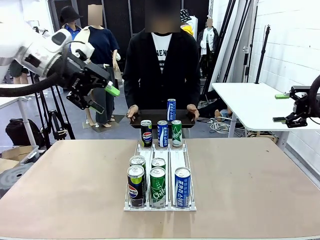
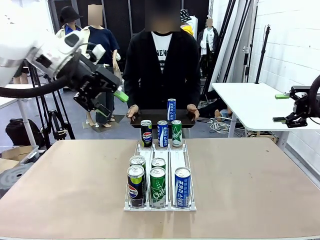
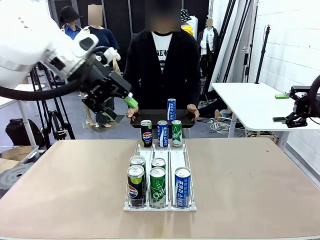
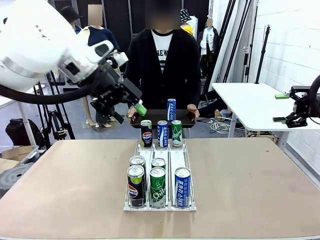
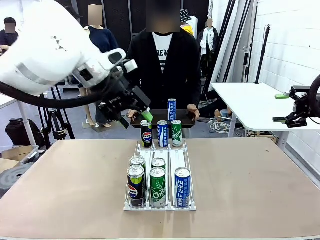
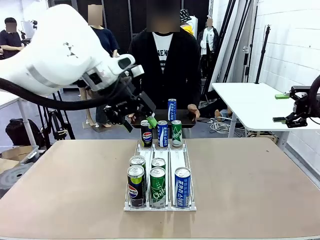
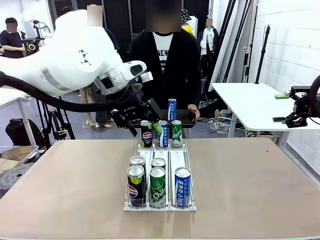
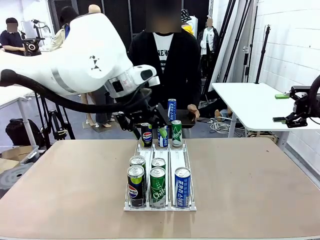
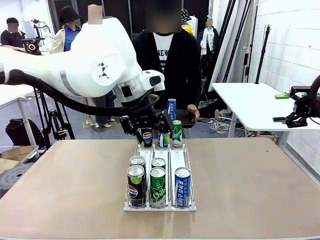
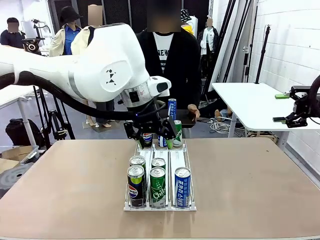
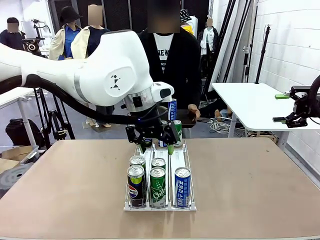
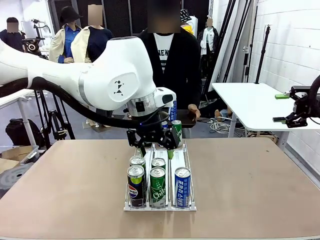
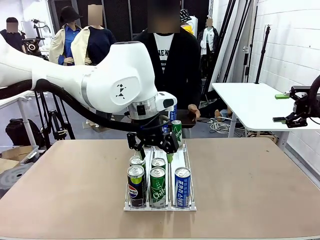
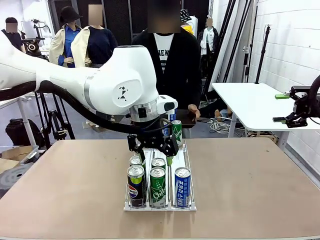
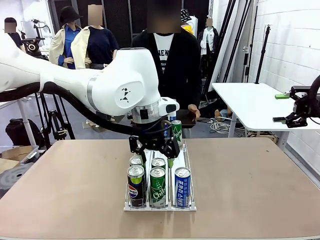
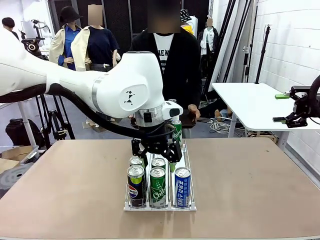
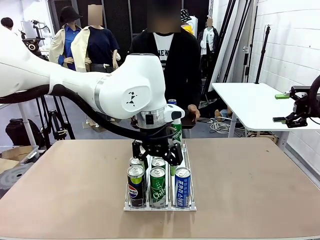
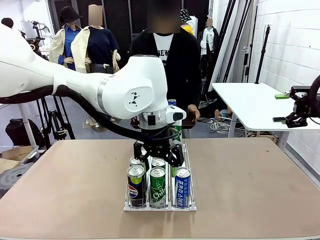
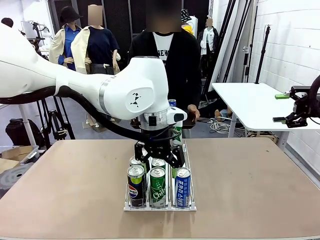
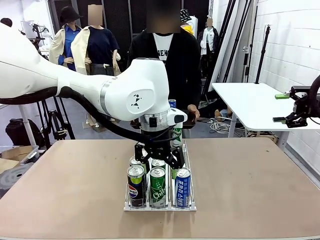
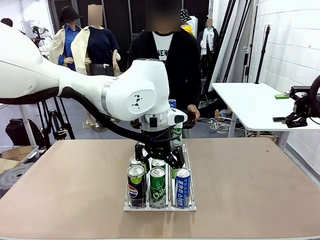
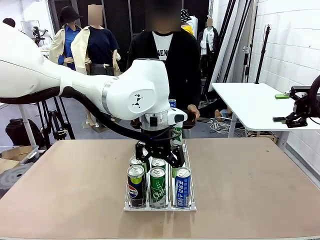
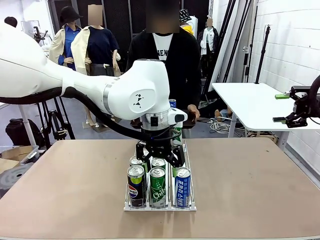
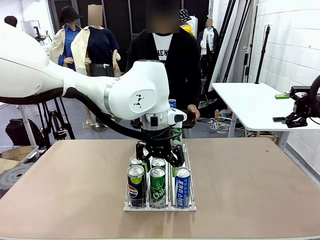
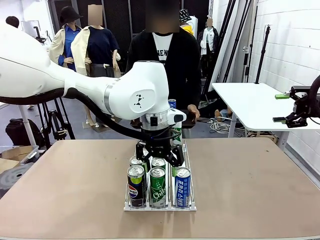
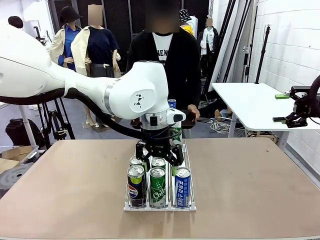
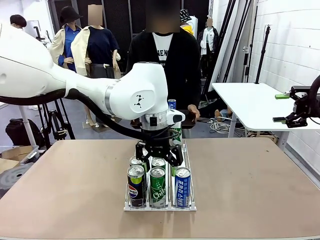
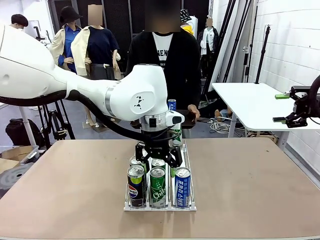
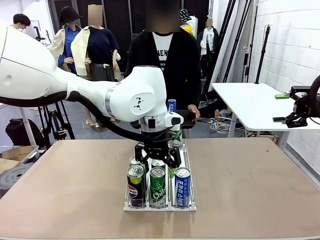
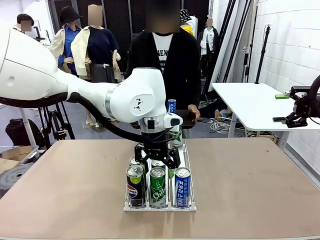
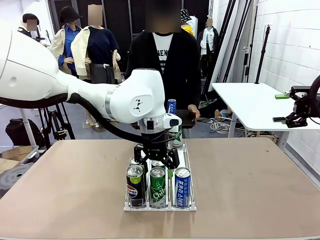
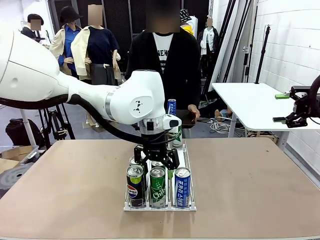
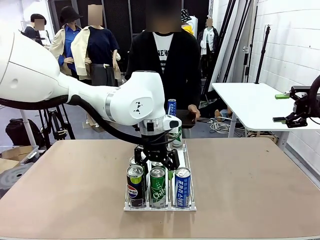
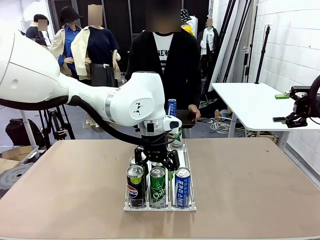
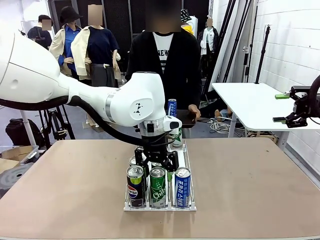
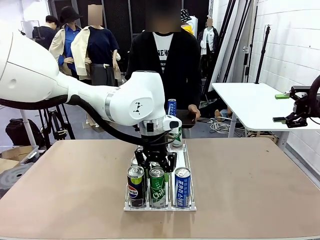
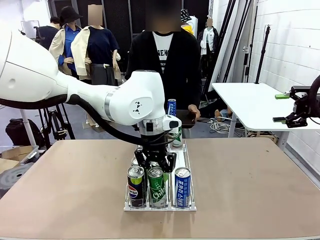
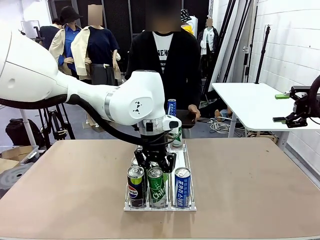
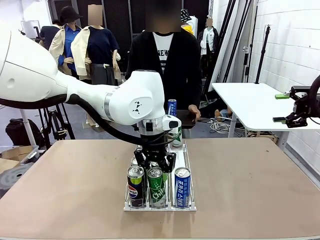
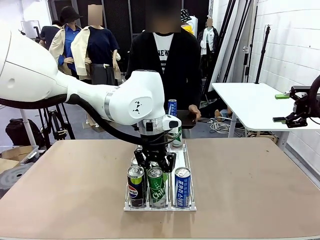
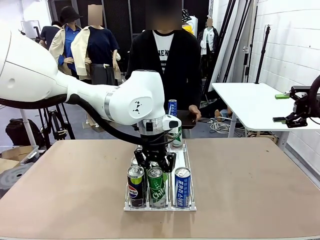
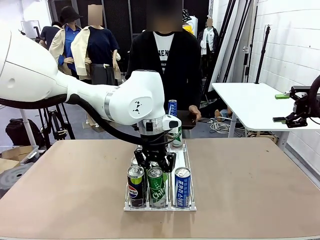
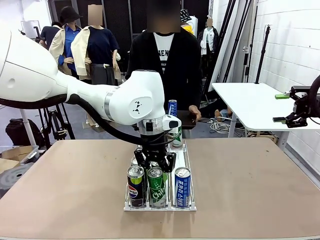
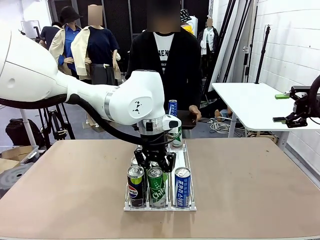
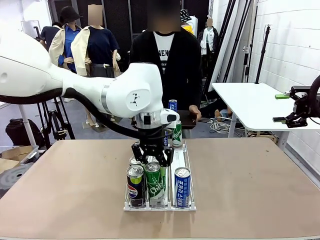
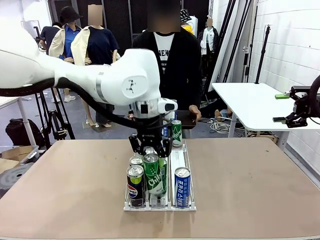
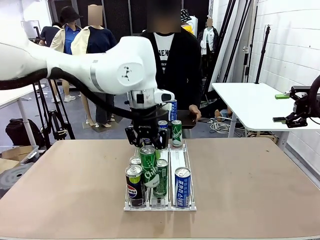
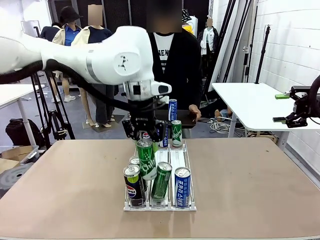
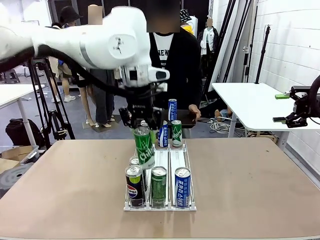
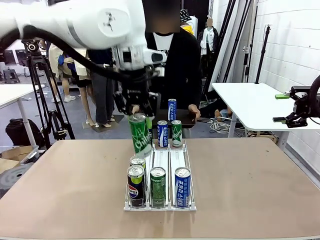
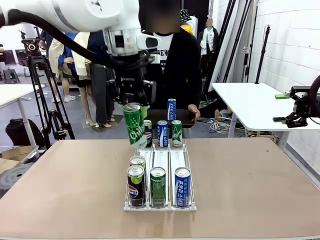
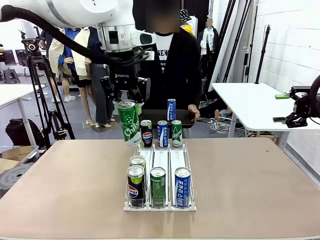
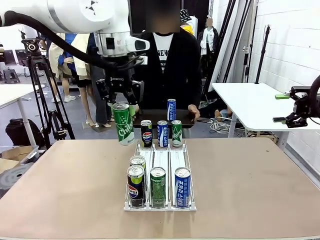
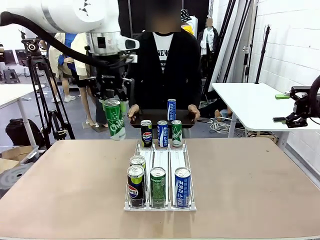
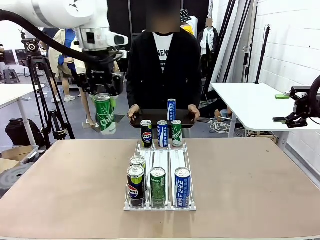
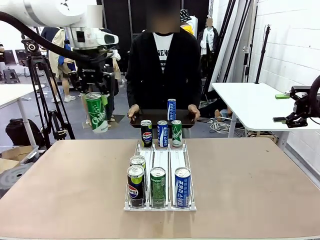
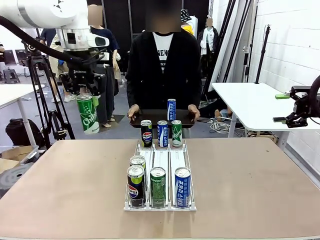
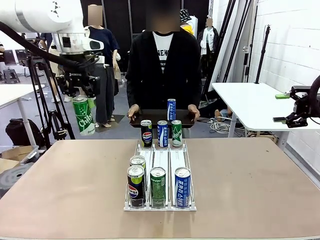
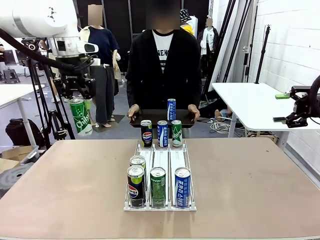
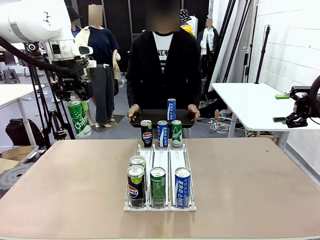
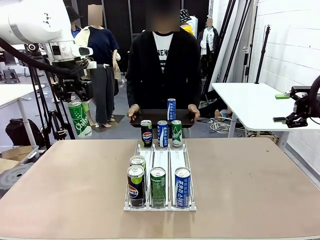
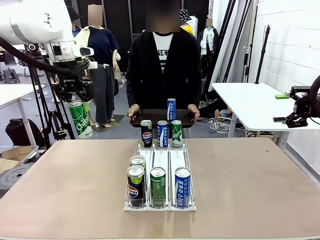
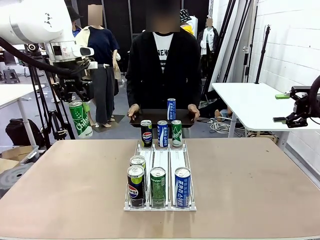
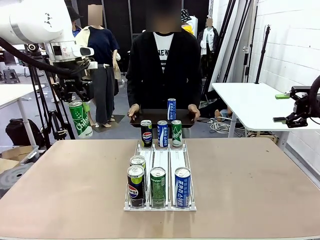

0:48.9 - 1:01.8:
Task: Retrieve and hand over the desired beverage to the person.
Robot: Pick up another can of the same type that the person held from the Automatic Can Dispenser.
Person: Push the tray toward the robot again.

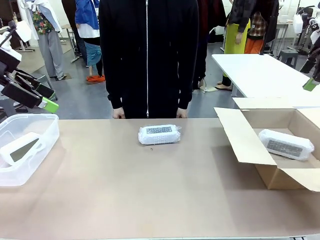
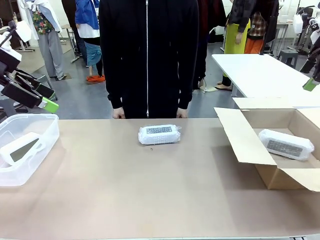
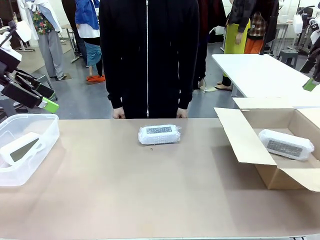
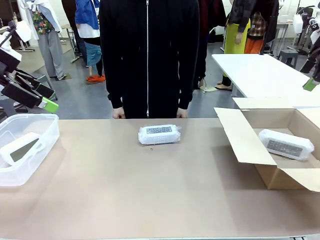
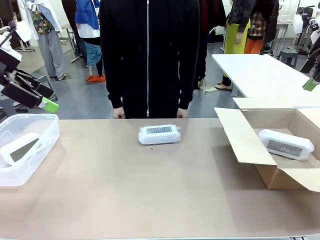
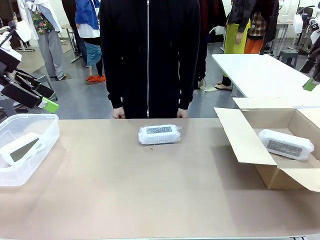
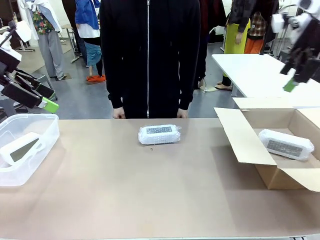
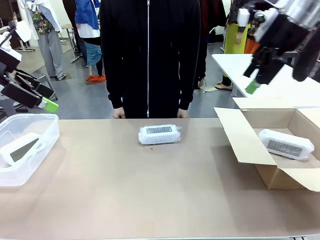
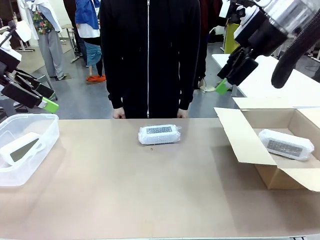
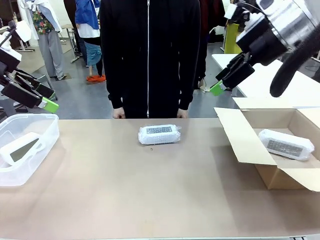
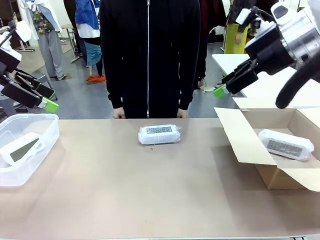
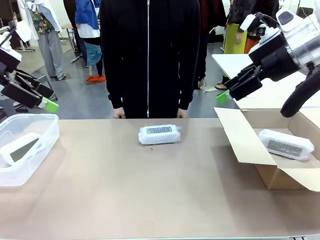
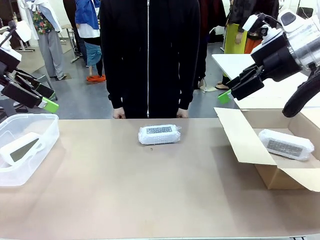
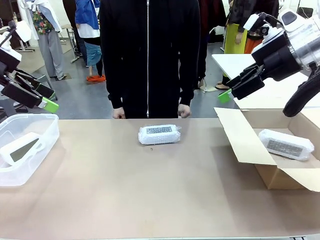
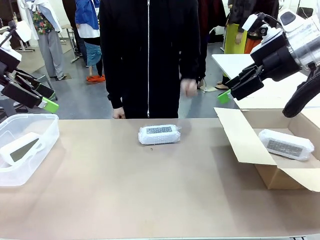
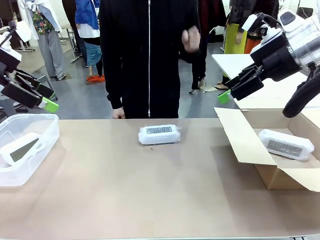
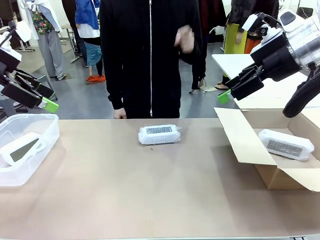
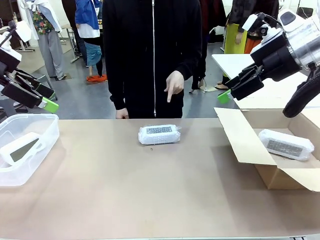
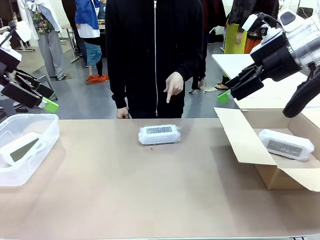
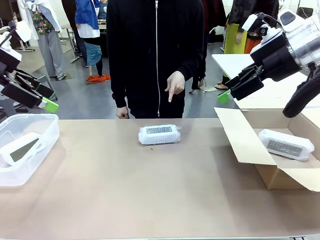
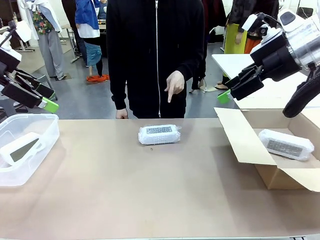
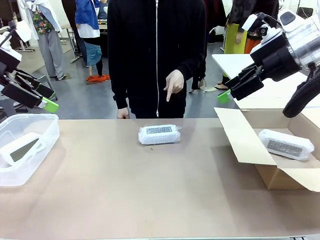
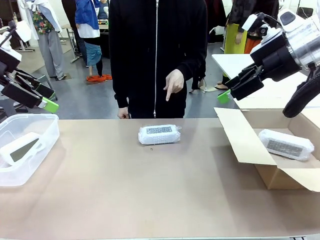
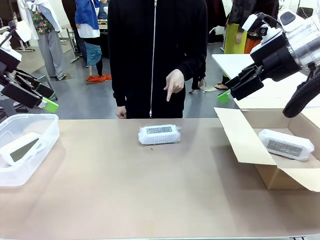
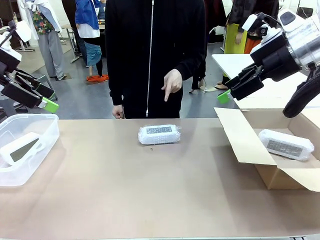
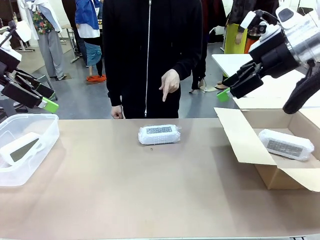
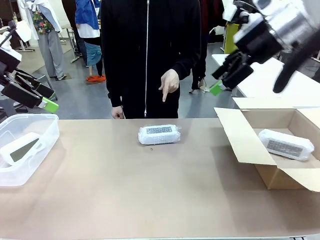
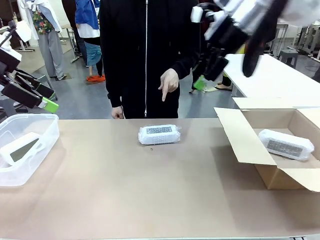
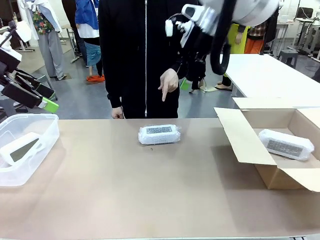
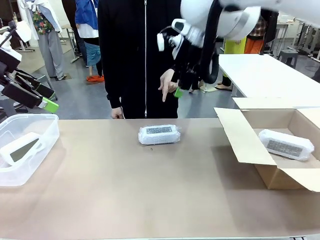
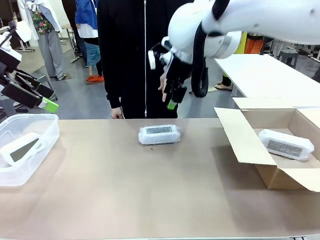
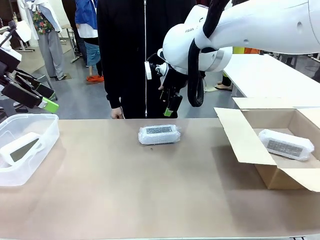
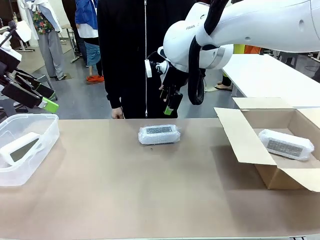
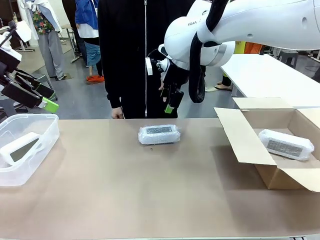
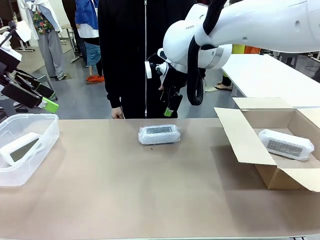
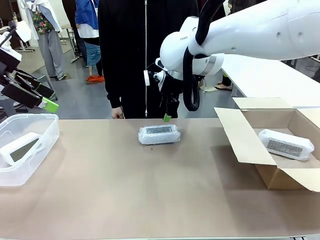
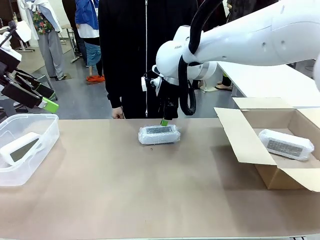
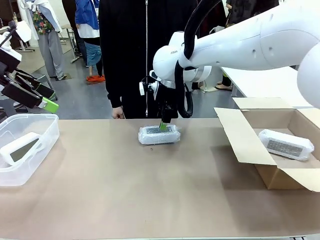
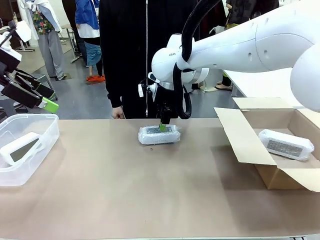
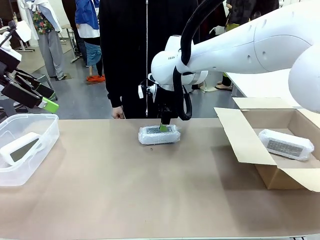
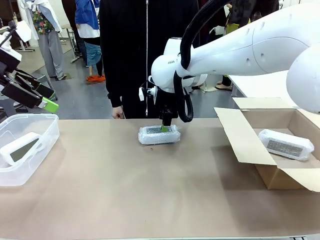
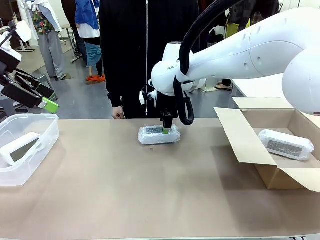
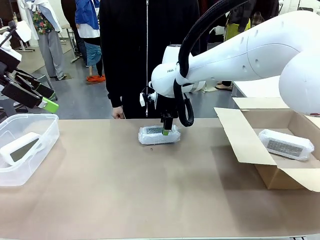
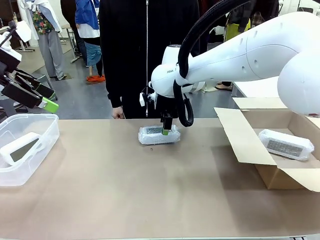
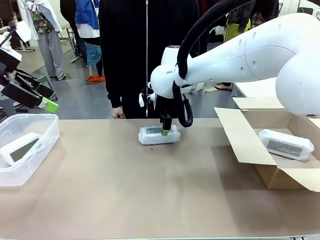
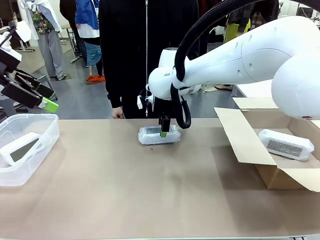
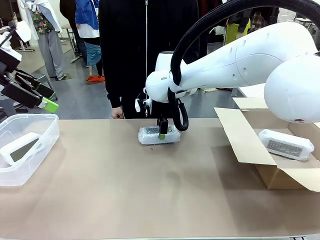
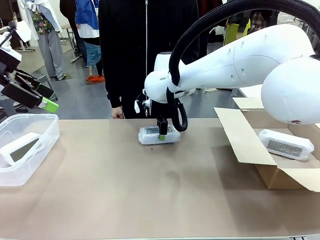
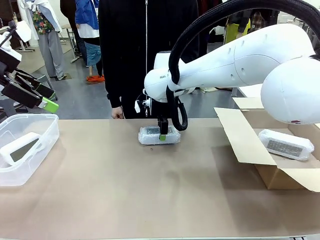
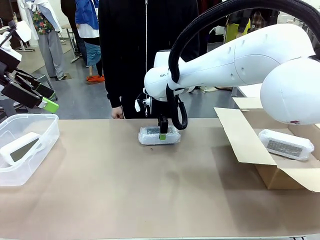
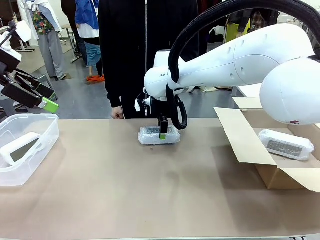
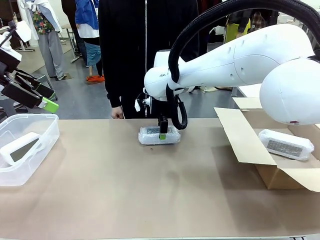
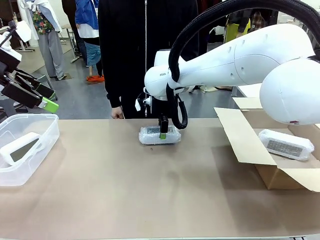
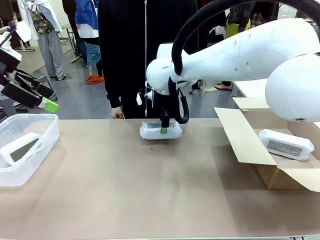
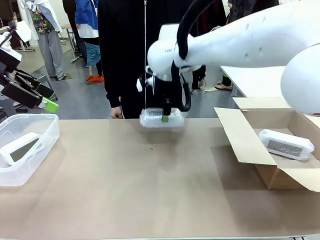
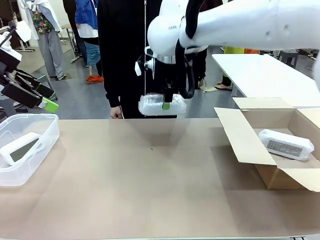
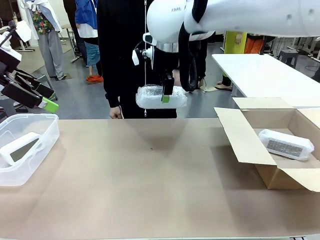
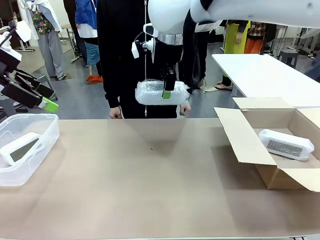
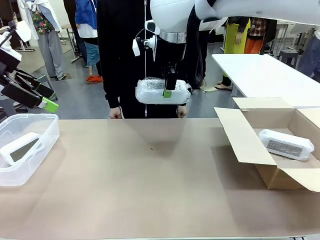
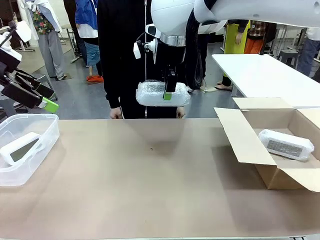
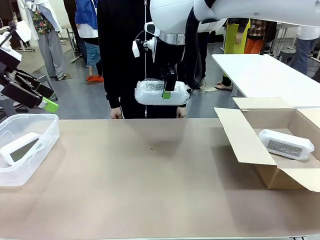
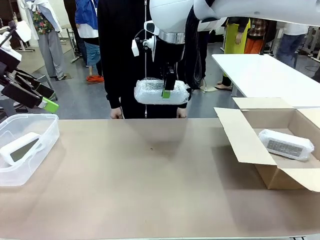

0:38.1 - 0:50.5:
Task: Separate and place wrapped and unwrapped clocks.
Robot: Pick up the Digital clock indicated by the person.
